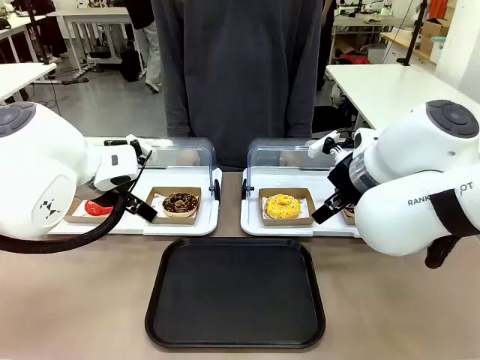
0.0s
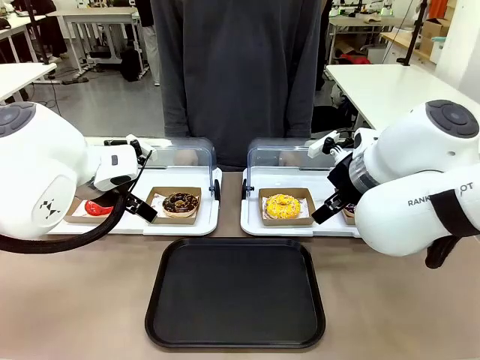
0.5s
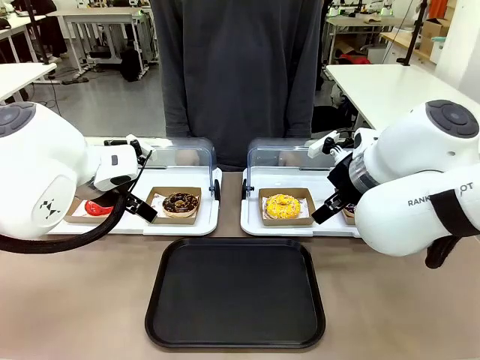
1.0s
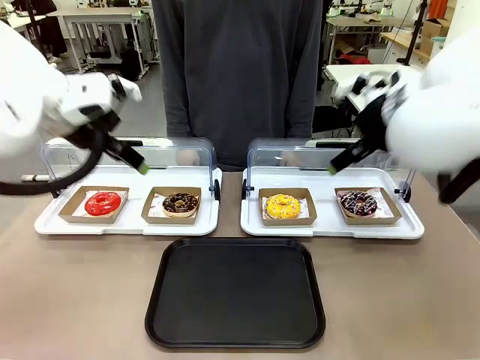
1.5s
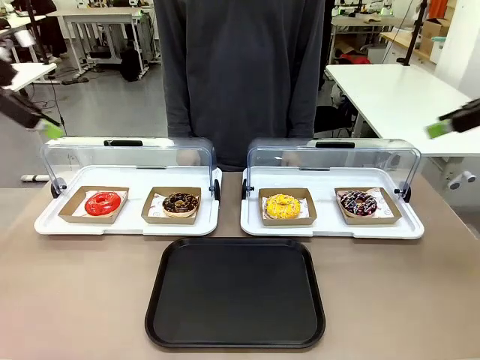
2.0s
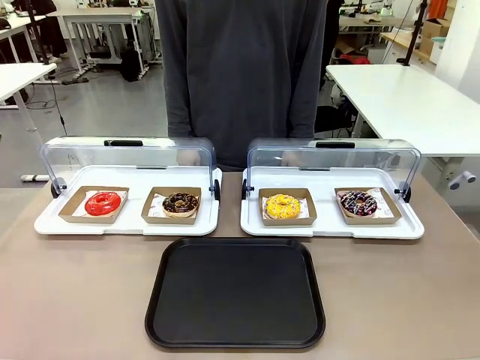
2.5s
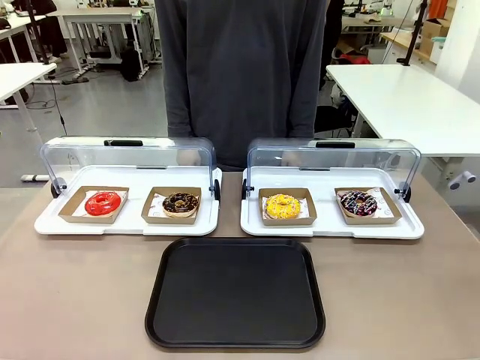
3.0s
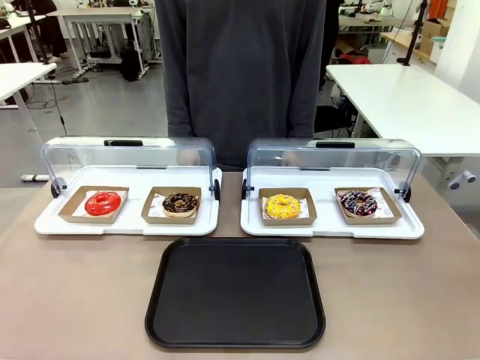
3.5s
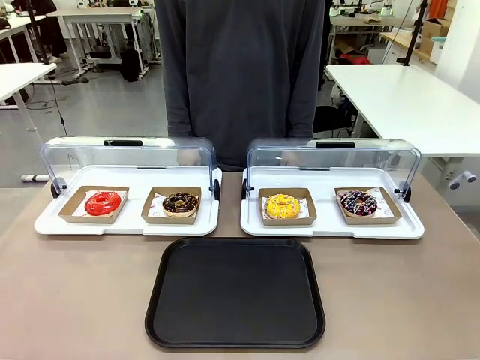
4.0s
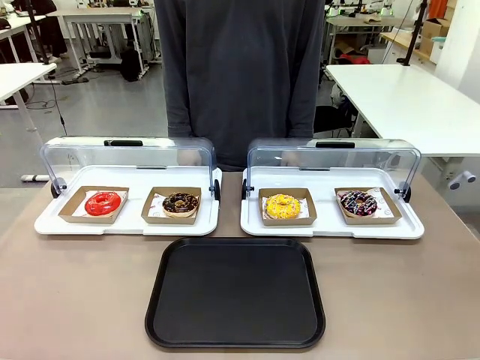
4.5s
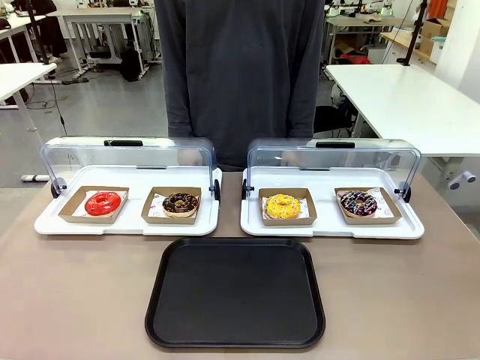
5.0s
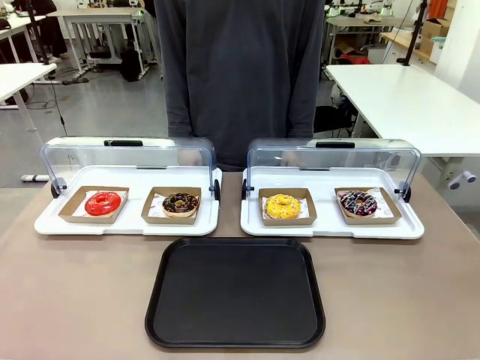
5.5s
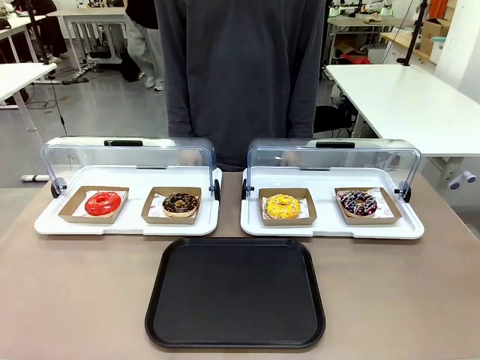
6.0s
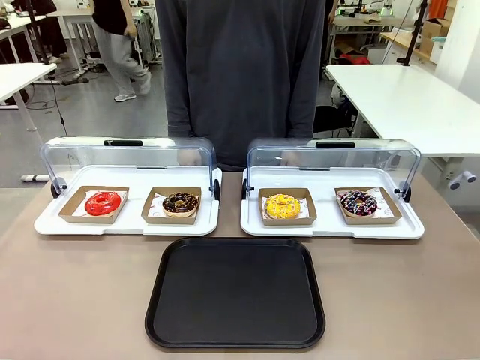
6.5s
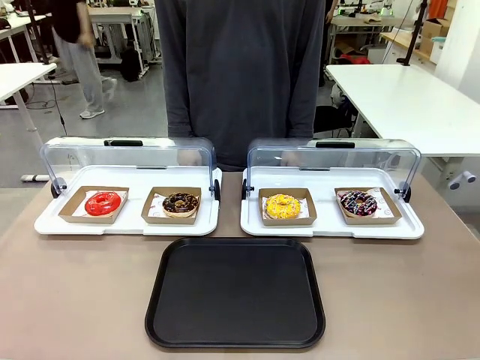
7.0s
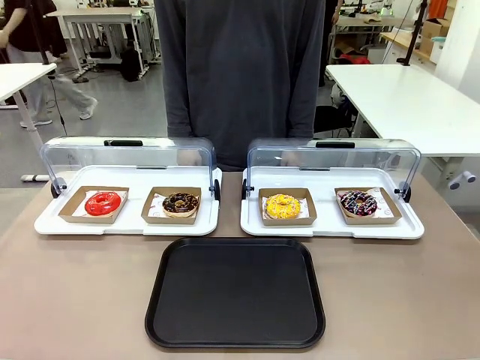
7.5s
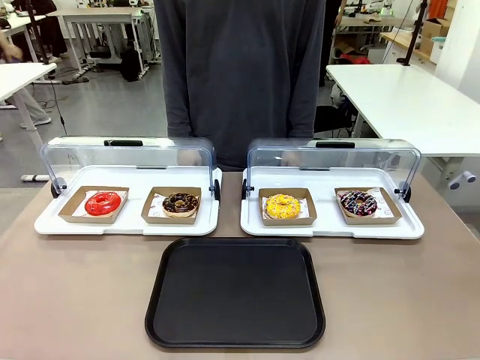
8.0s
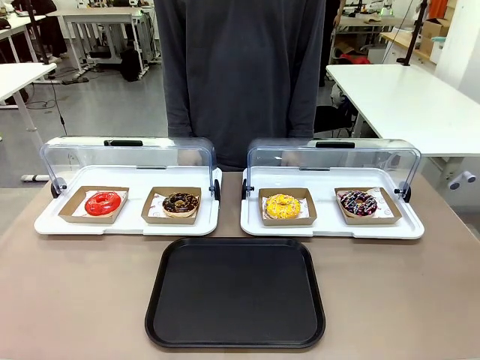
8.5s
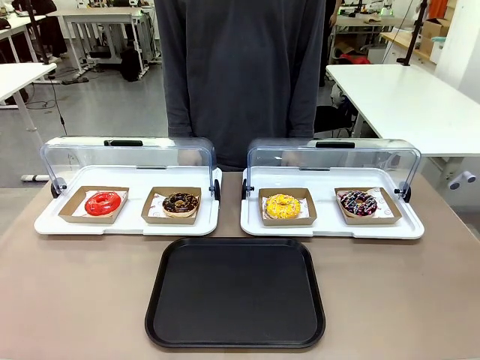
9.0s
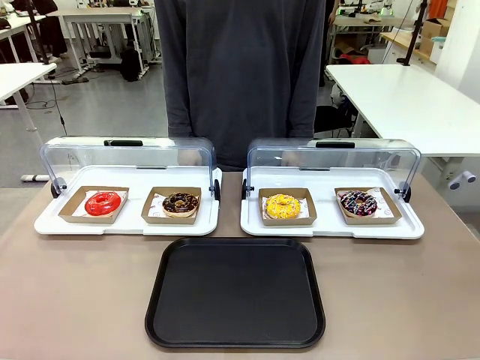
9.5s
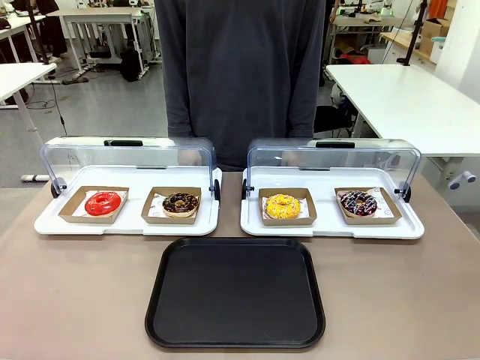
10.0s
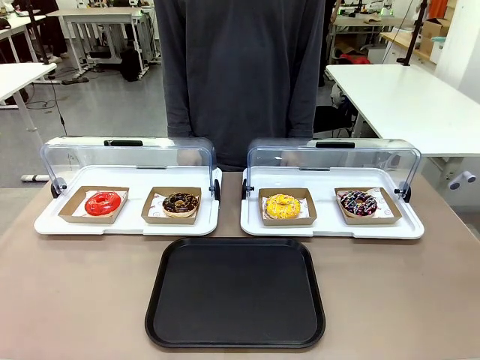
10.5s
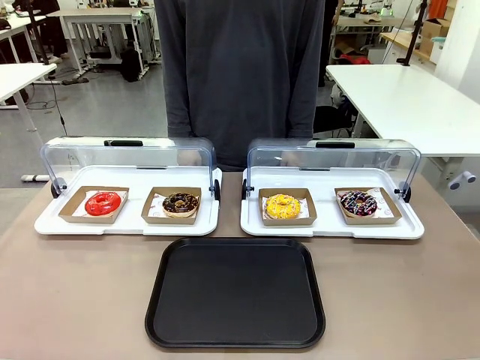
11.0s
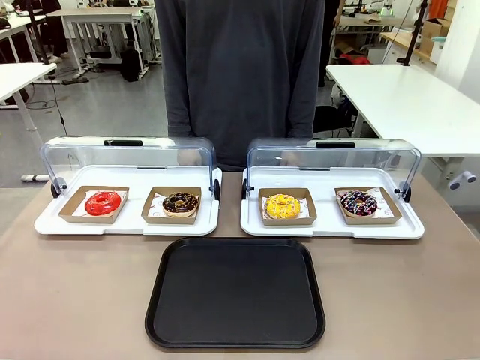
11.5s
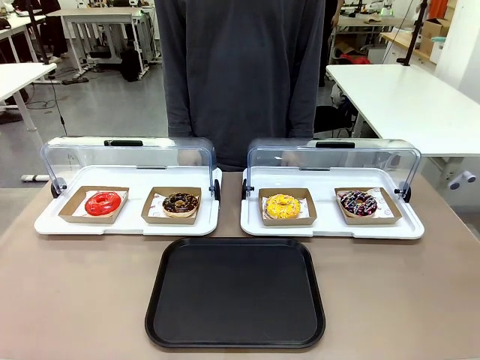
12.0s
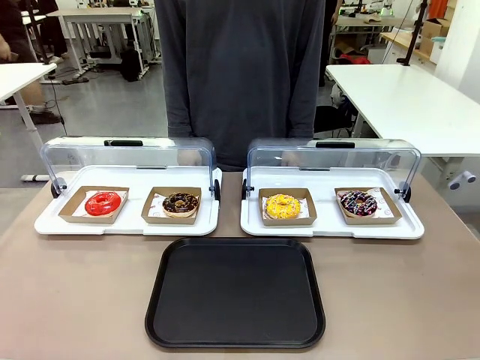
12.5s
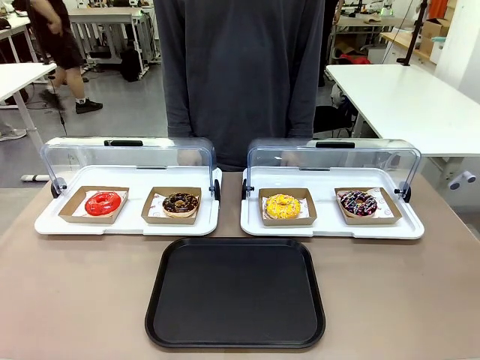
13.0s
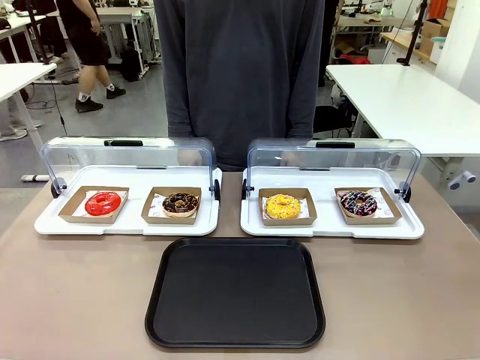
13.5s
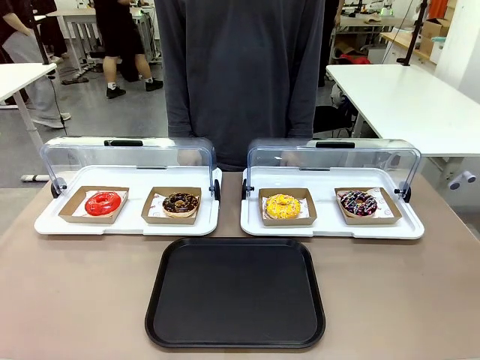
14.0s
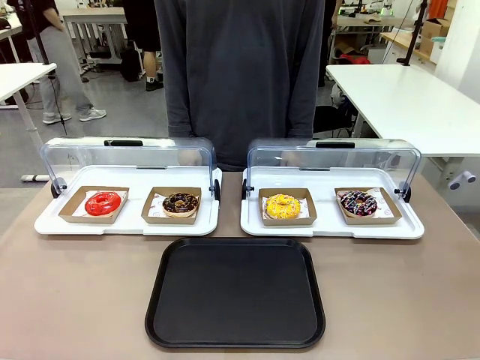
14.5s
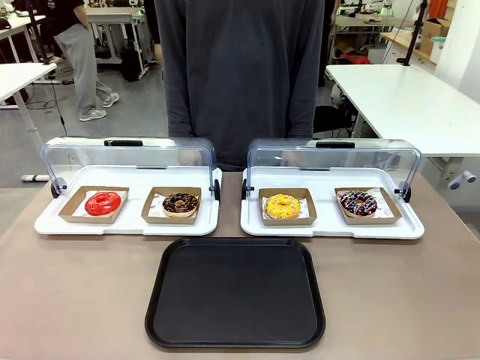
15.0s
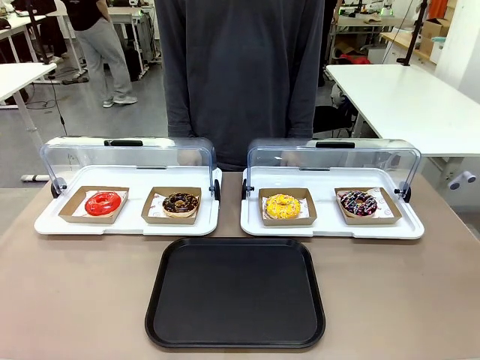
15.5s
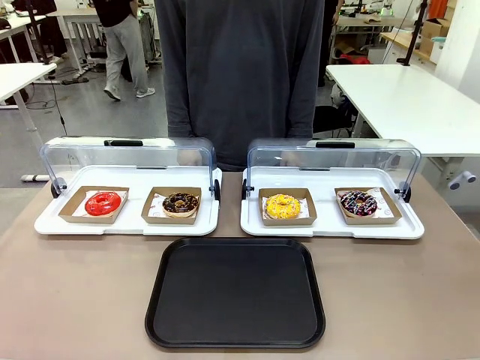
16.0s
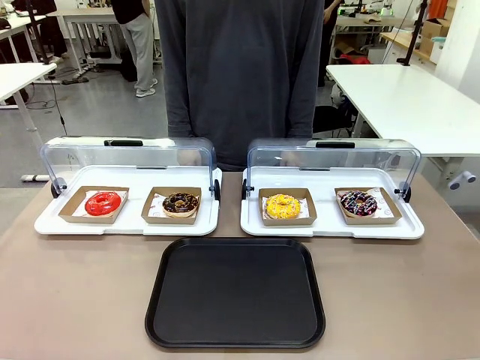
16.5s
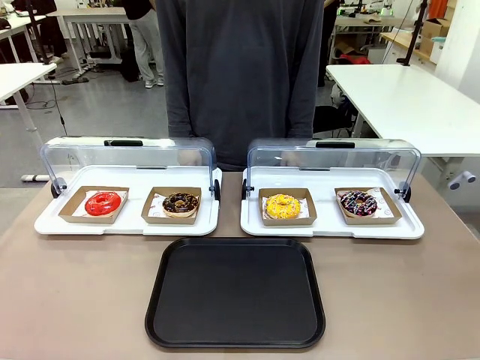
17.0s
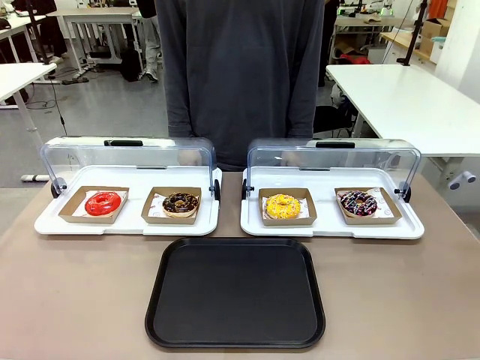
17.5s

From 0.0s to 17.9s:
Task: Move the third donut from the left to the tray.
Robot: Pick up the Paper togo box containing the Donut indicated by the person and place it on the Handle tray.

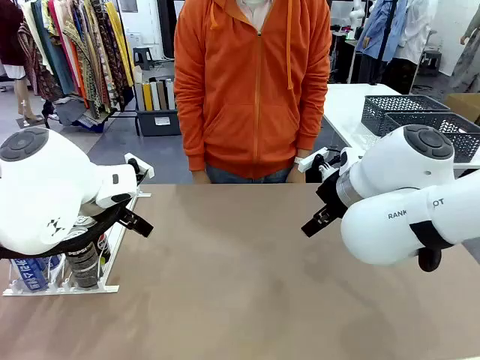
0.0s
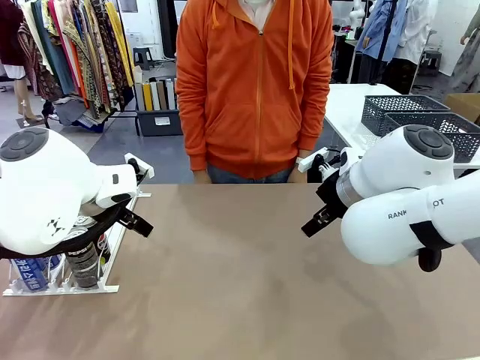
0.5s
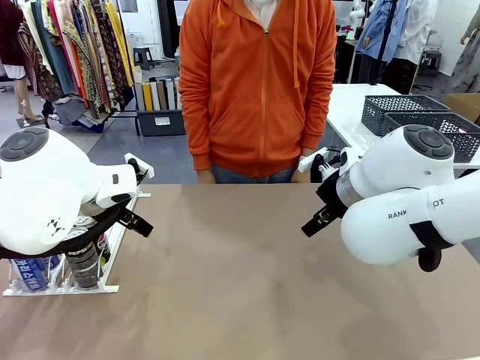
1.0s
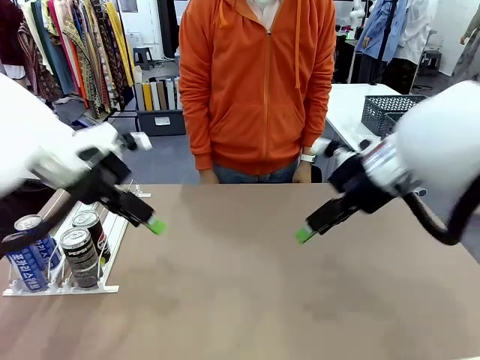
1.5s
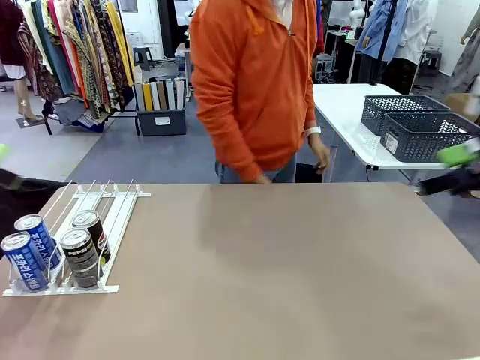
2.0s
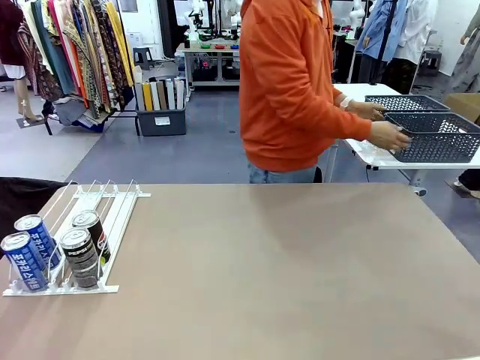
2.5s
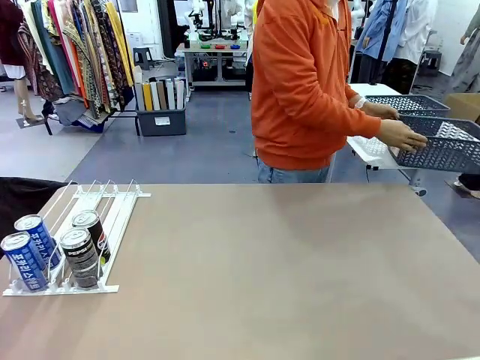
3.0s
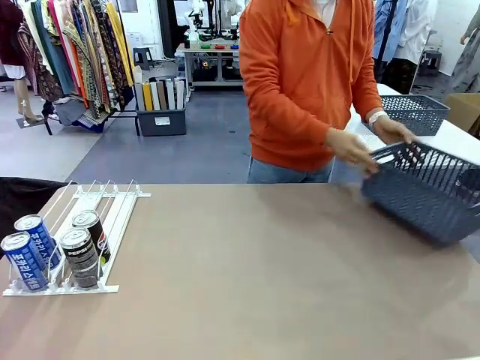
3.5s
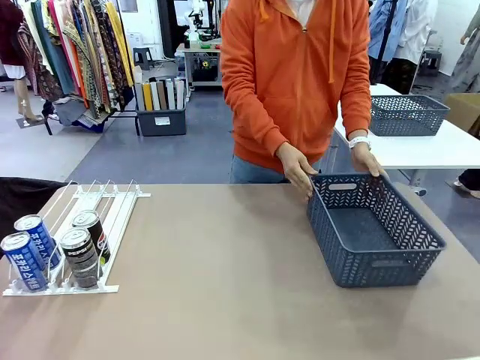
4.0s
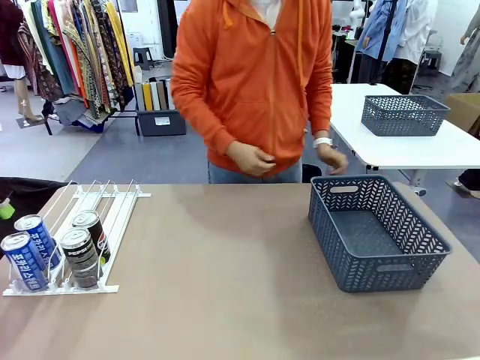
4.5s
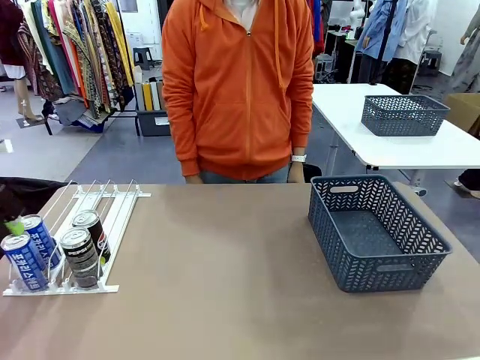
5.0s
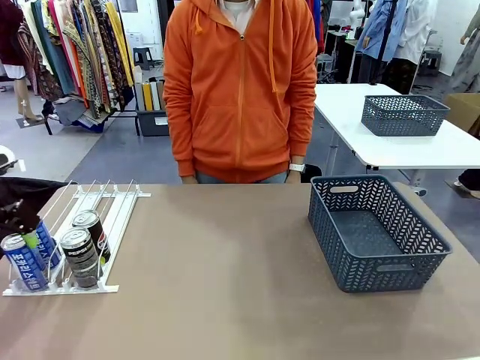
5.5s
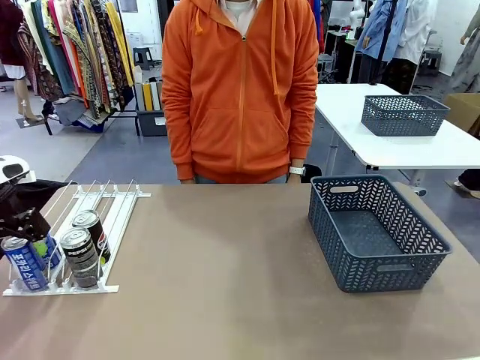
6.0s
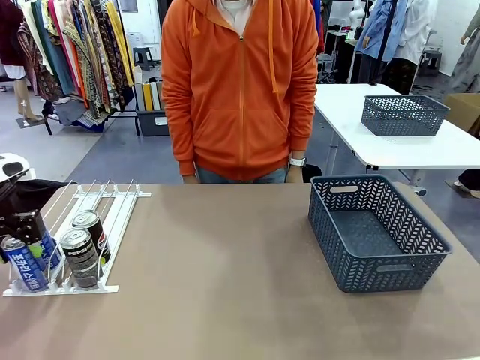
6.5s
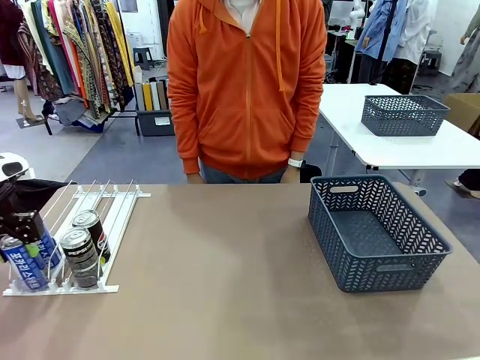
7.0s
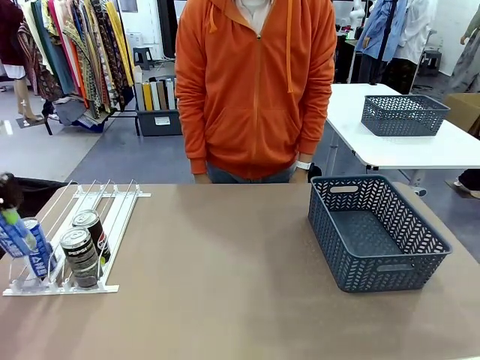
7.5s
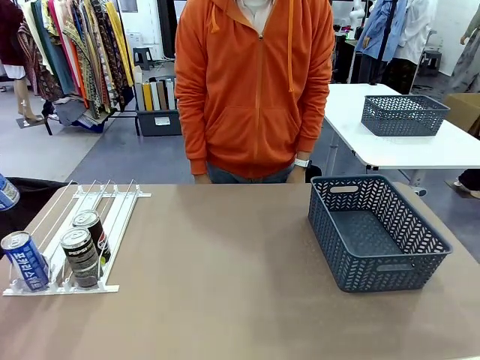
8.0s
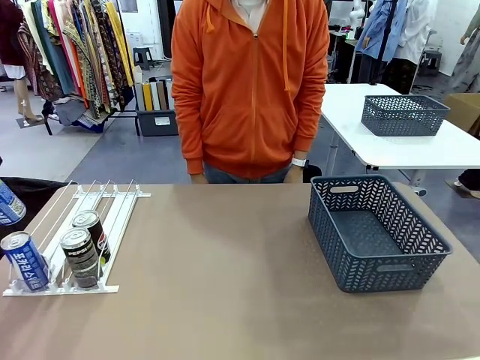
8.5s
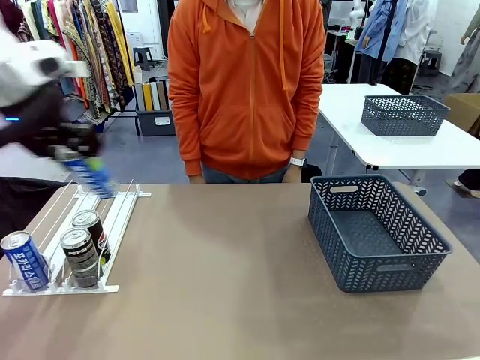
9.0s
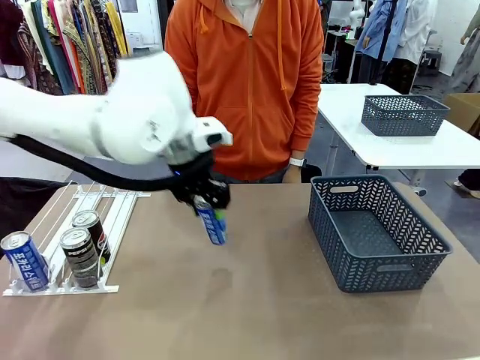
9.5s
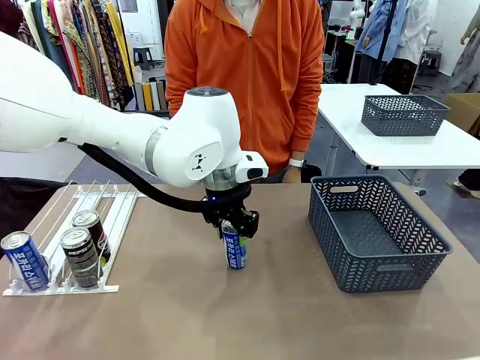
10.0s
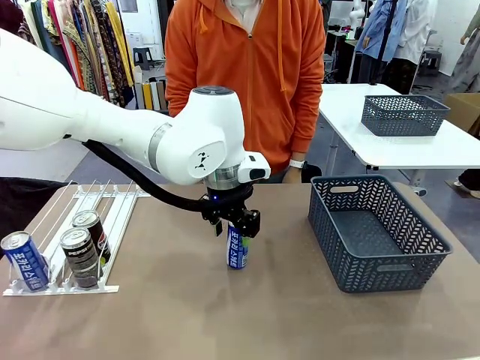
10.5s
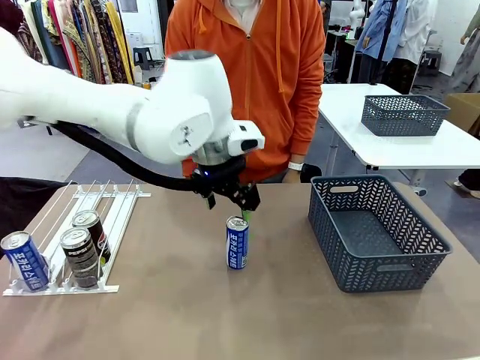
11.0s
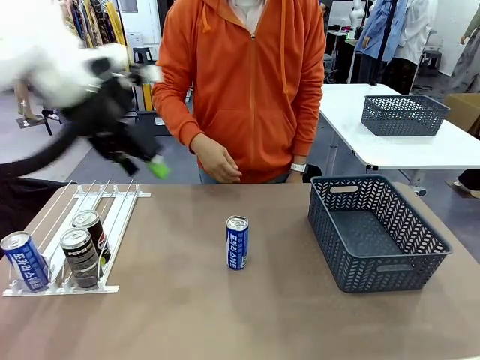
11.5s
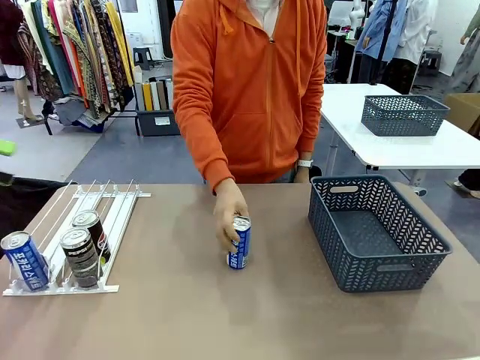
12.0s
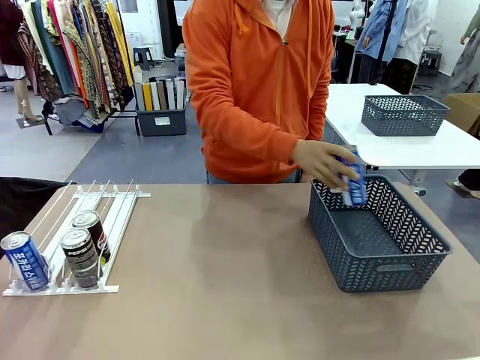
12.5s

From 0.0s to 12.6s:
Task: Retrieve and store the cans from the dispenser.
Robot: Pick up one can from the Automatic Can Dispenser and place it in the middle of the table.
Person: Pick up the basket and place it on the left side of the robot table.
